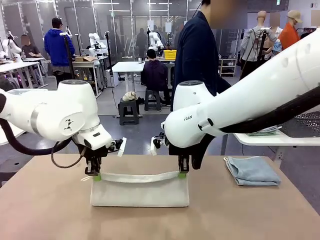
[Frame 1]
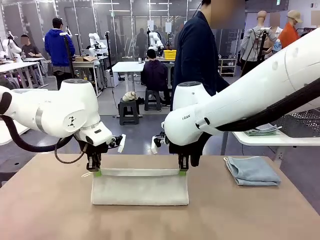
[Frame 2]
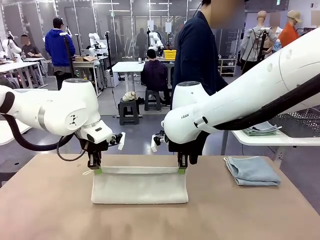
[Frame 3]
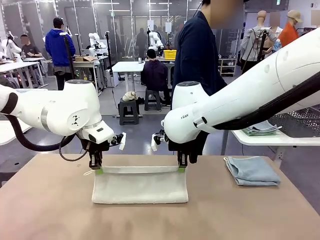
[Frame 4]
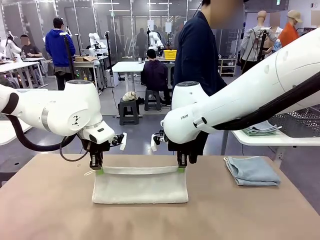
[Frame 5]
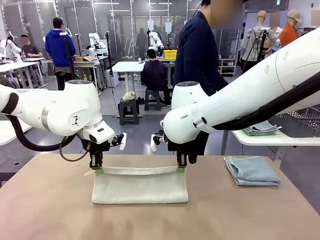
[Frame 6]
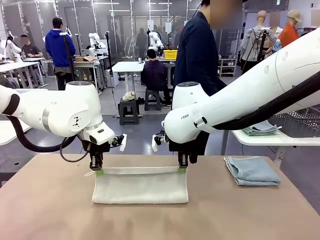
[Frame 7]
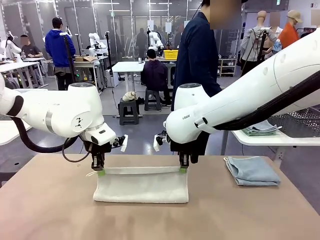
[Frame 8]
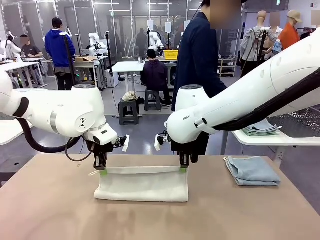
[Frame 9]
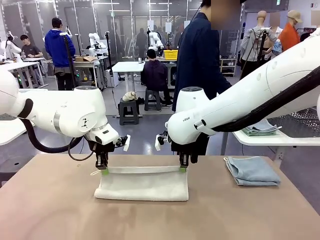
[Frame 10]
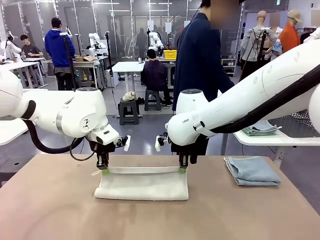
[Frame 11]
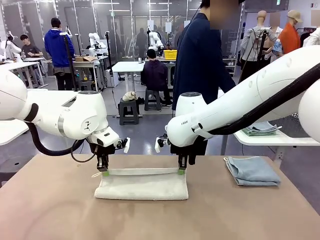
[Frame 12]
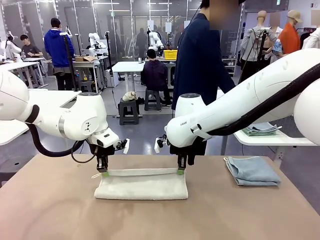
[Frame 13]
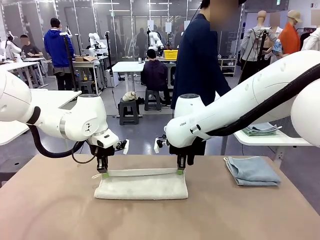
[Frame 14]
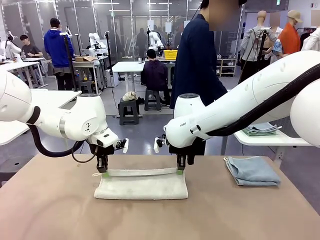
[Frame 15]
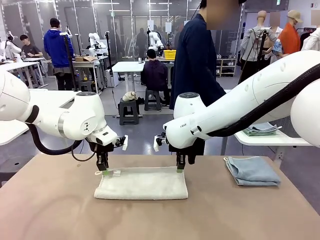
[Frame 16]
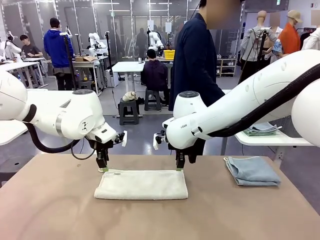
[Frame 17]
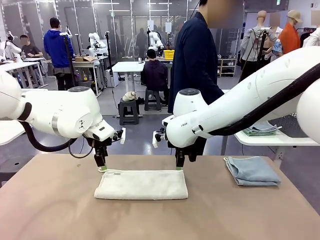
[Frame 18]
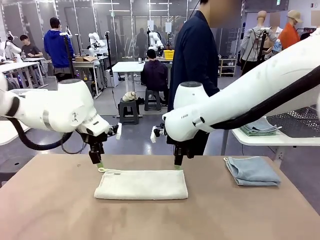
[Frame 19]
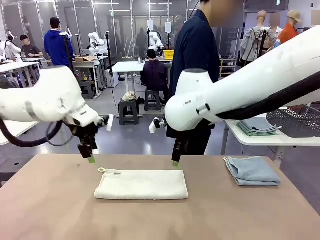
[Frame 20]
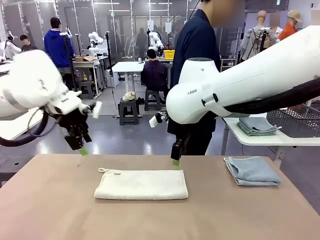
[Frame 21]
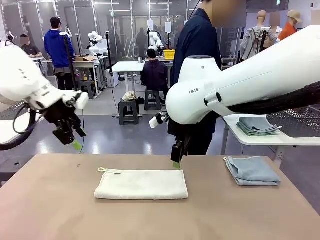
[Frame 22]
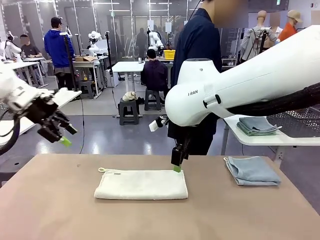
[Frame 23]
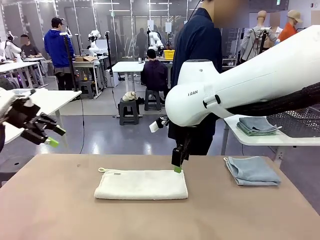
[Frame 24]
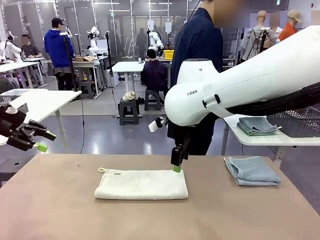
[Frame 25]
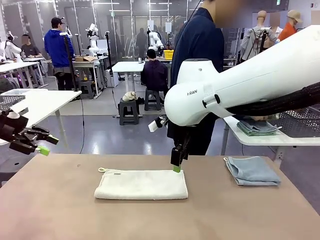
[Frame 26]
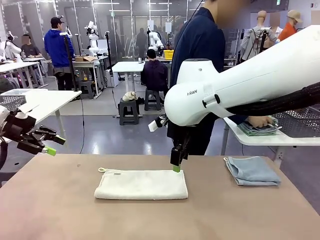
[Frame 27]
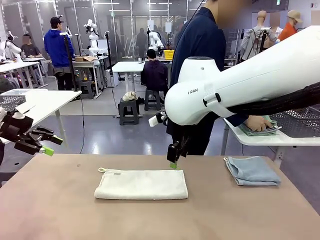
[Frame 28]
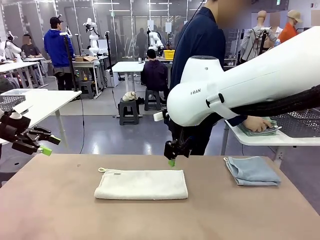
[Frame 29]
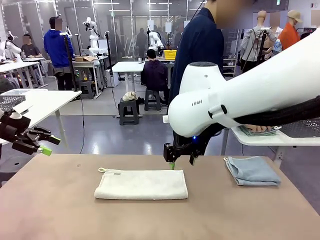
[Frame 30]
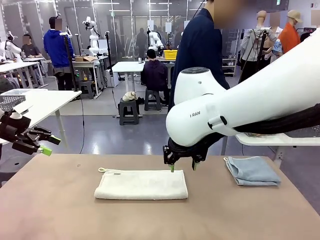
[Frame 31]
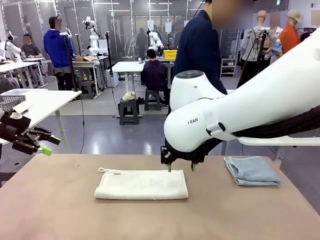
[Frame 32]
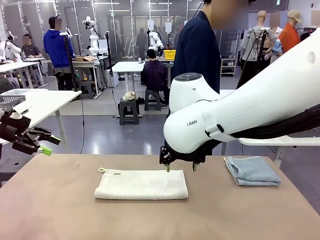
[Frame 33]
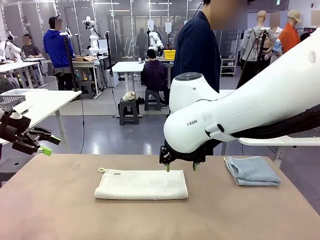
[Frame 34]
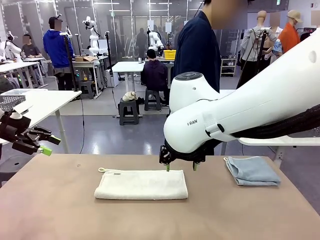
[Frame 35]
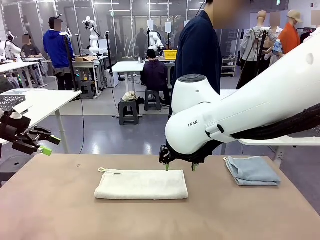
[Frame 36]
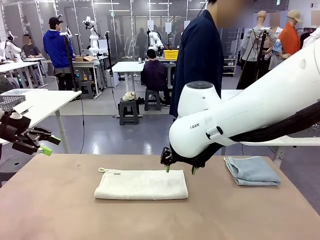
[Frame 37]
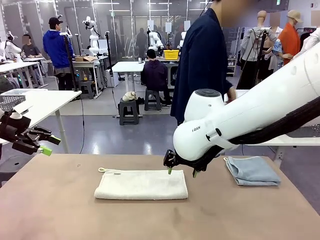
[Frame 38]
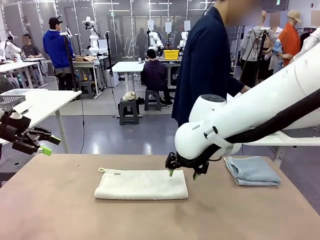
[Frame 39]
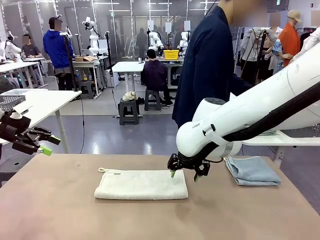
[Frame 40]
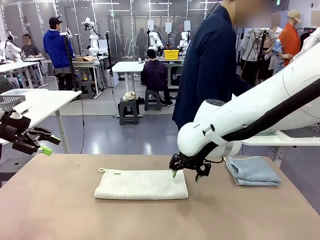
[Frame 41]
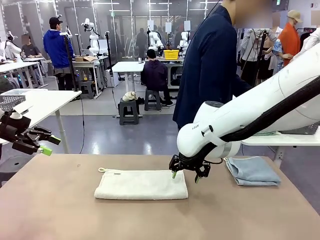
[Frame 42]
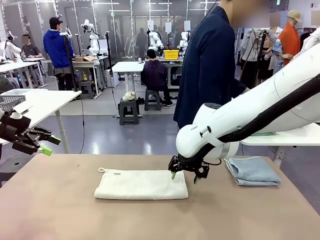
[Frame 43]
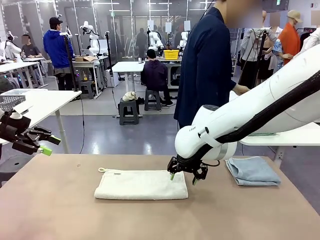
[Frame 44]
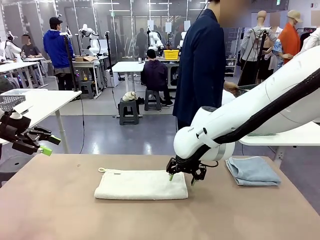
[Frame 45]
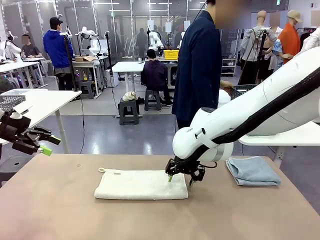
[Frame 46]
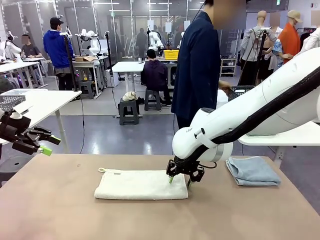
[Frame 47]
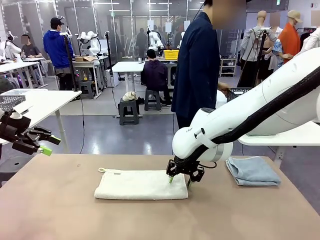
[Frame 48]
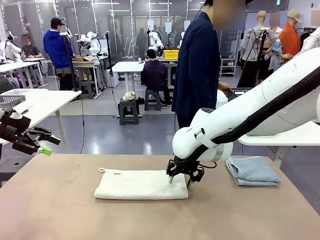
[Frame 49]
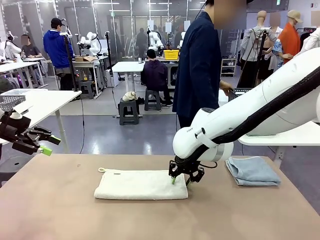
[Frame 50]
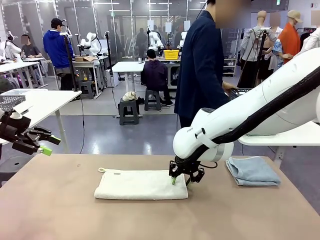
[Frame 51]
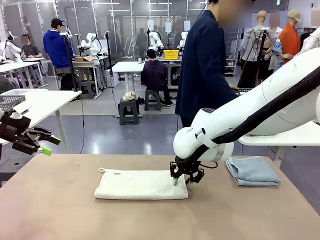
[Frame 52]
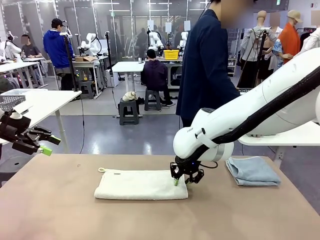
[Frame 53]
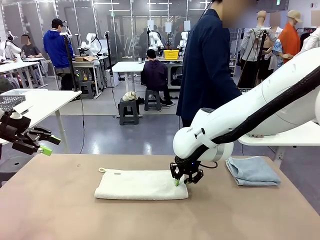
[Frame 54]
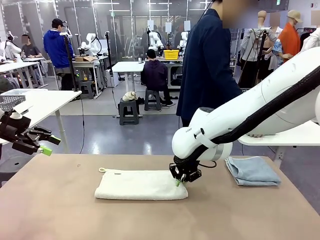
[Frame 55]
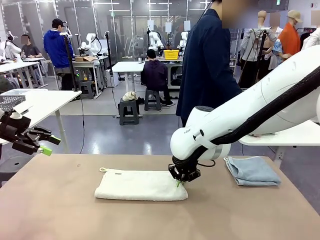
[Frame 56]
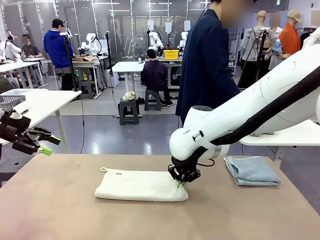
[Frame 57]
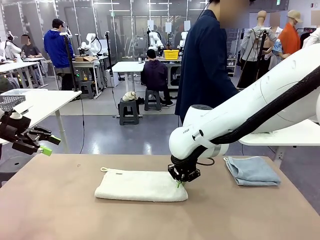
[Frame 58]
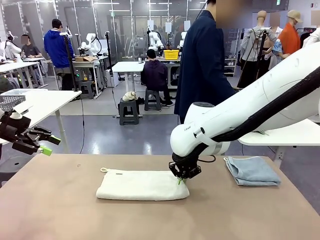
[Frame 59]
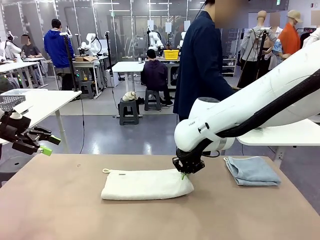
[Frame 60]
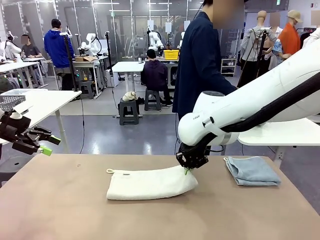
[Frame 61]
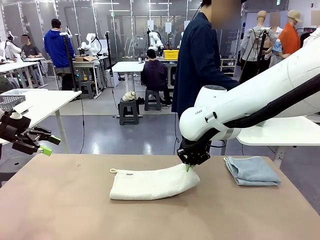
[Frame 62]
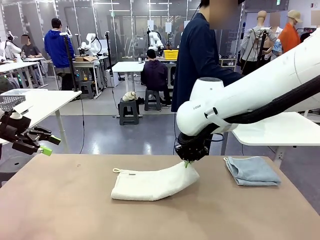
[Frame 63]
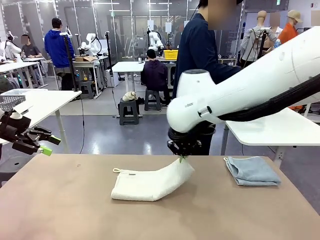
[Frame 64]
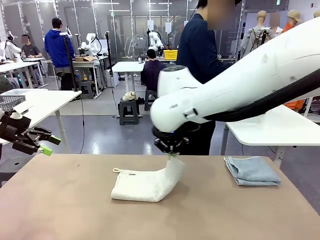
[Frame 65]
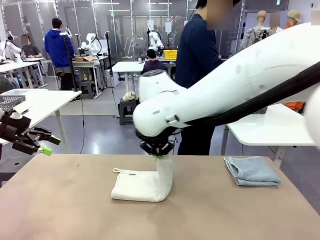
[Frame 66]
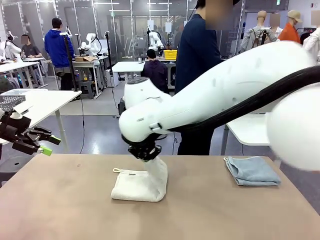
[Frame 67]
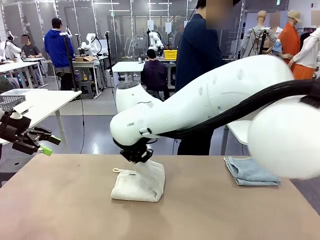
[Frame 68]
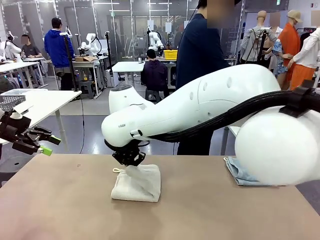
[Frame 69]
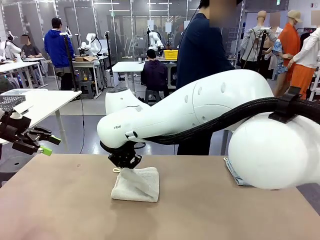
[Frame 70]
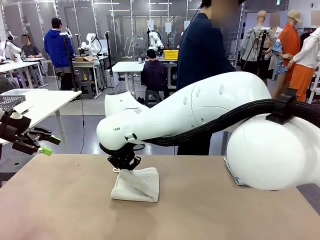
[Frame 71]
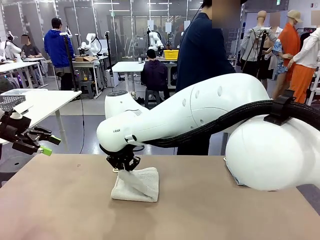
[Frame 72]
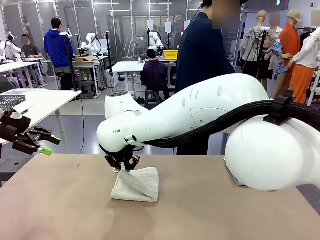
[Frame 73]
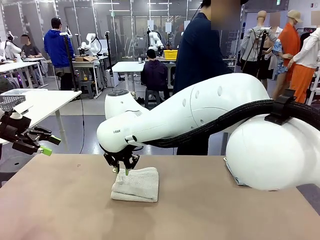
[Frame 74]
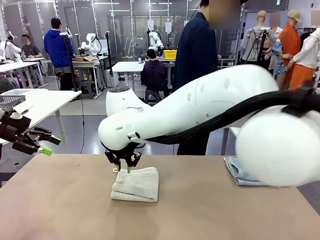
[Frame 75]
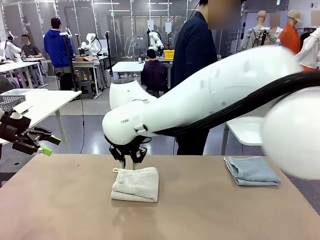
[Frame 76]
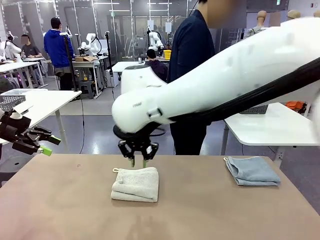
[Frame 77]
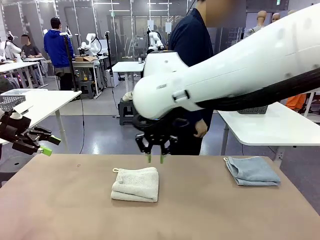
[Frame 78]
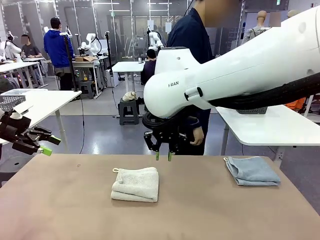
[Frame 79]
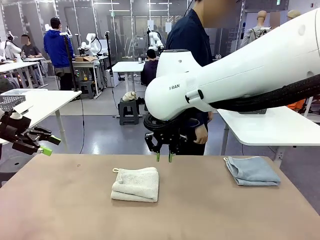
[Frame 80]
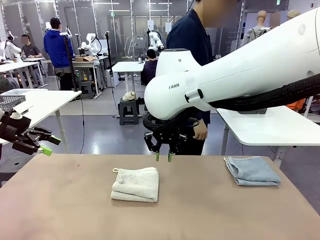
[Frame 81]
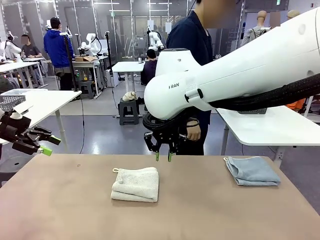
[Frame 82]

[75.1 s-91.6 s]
Task: Fold the towels and place them in the basket.
Robot: When a person lays out a Towel with hook on the table, fold it in half twice.
Person: Pick up the stack of towels from the right side of the human table, place it into the basket, and put the basket at the center of the table.
